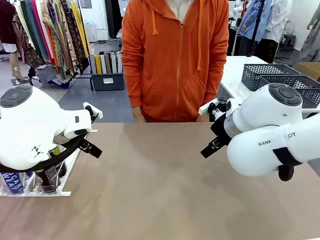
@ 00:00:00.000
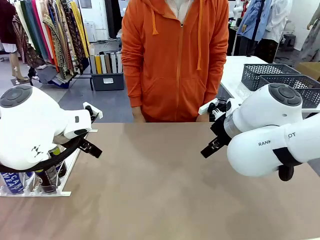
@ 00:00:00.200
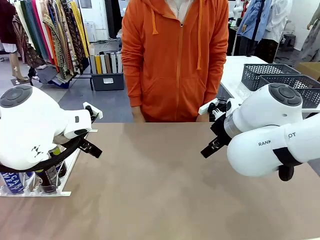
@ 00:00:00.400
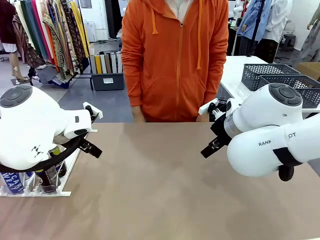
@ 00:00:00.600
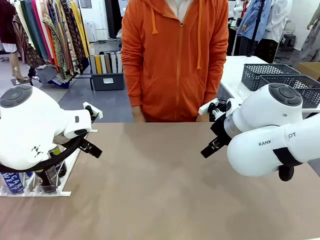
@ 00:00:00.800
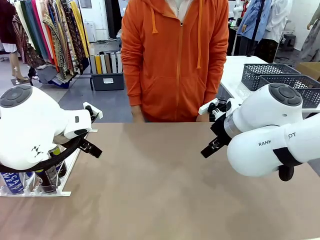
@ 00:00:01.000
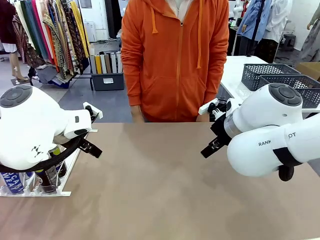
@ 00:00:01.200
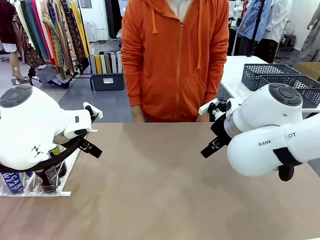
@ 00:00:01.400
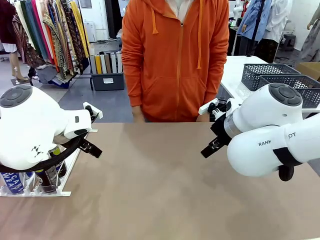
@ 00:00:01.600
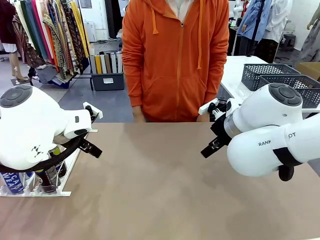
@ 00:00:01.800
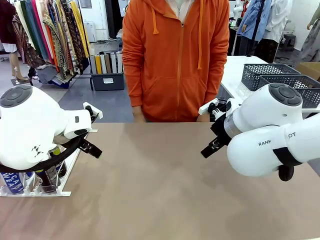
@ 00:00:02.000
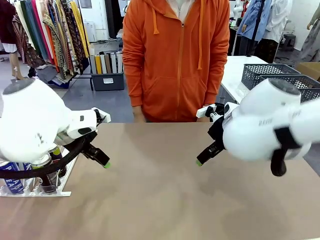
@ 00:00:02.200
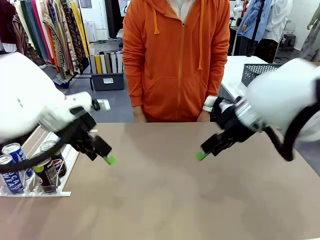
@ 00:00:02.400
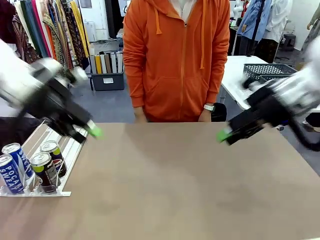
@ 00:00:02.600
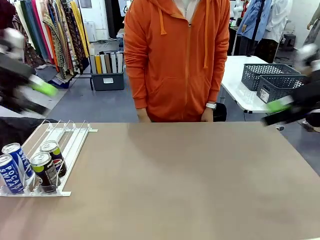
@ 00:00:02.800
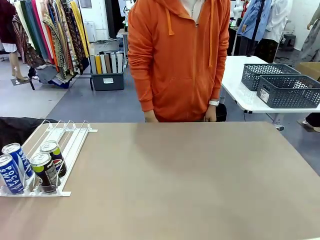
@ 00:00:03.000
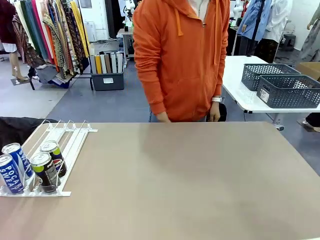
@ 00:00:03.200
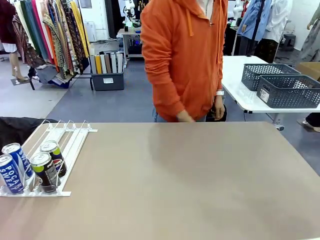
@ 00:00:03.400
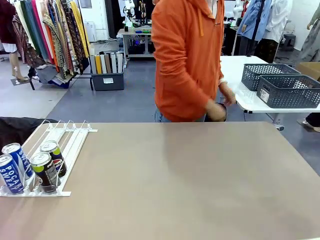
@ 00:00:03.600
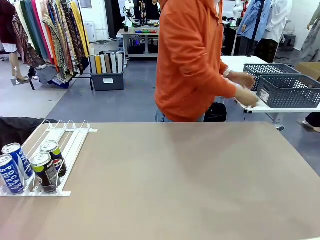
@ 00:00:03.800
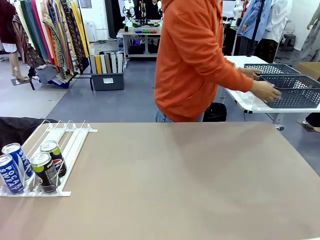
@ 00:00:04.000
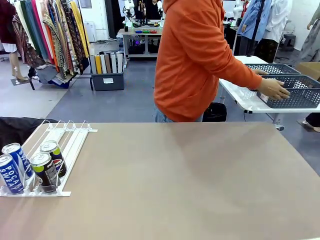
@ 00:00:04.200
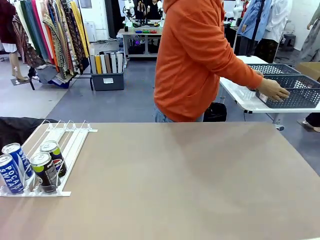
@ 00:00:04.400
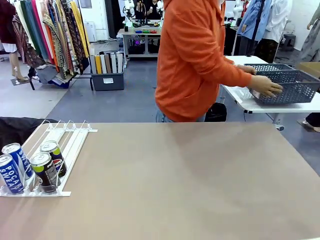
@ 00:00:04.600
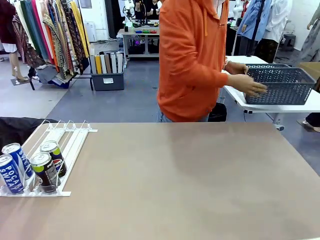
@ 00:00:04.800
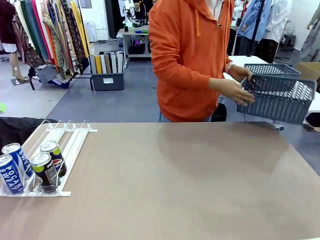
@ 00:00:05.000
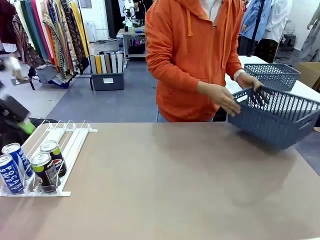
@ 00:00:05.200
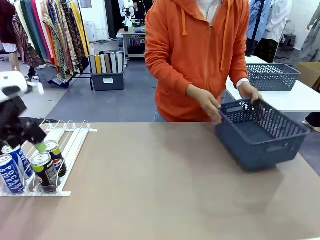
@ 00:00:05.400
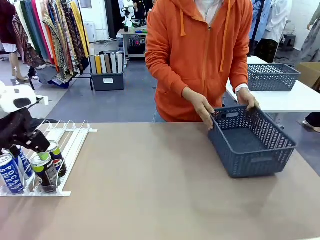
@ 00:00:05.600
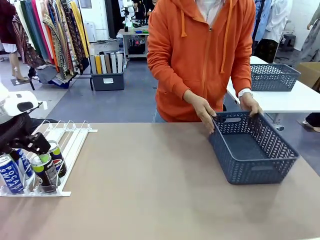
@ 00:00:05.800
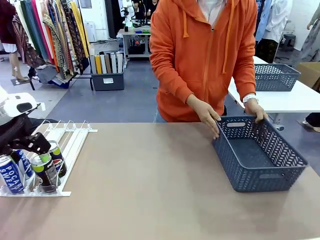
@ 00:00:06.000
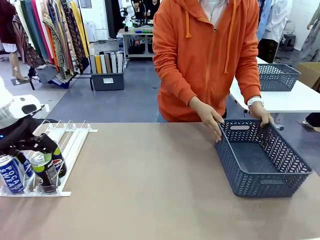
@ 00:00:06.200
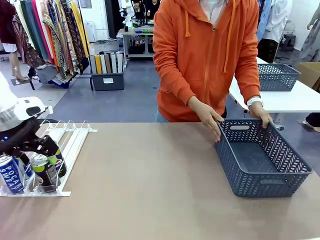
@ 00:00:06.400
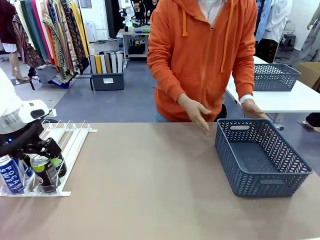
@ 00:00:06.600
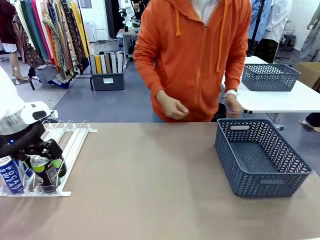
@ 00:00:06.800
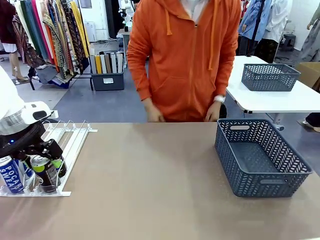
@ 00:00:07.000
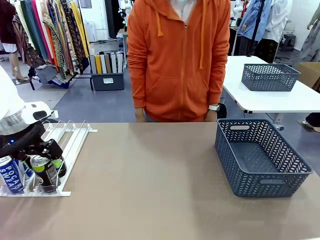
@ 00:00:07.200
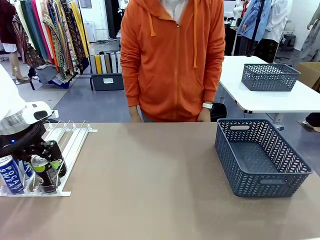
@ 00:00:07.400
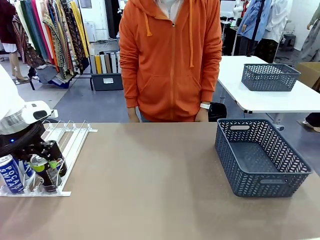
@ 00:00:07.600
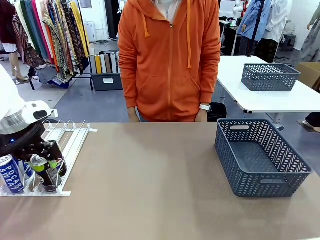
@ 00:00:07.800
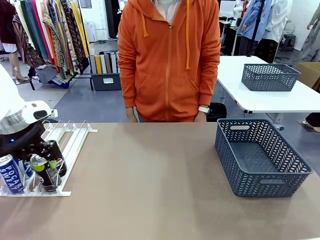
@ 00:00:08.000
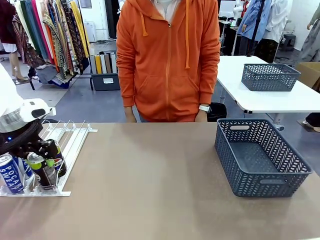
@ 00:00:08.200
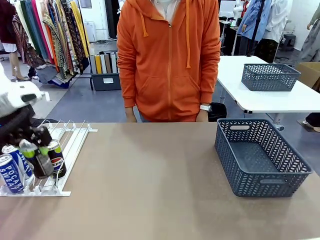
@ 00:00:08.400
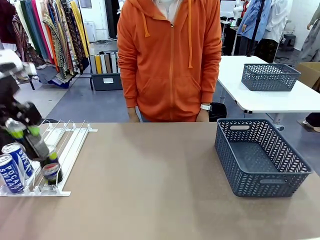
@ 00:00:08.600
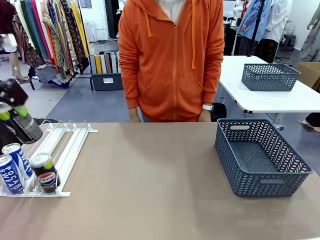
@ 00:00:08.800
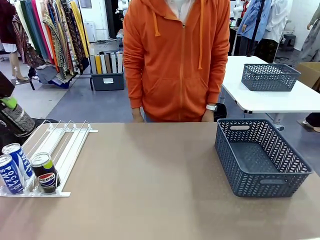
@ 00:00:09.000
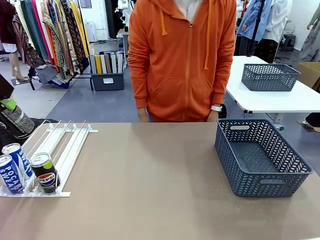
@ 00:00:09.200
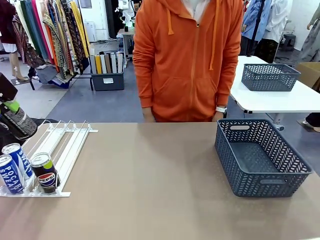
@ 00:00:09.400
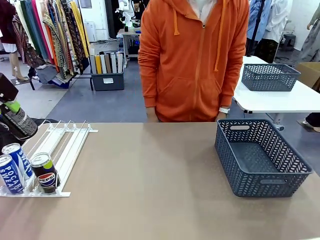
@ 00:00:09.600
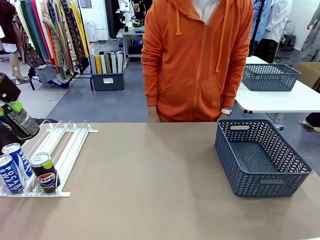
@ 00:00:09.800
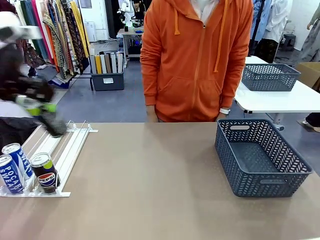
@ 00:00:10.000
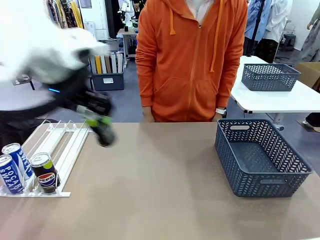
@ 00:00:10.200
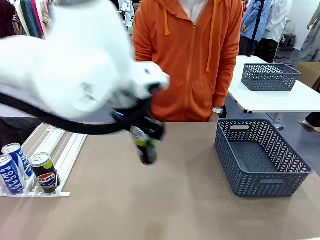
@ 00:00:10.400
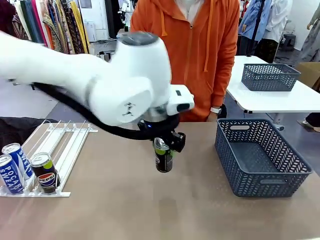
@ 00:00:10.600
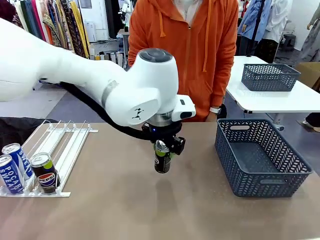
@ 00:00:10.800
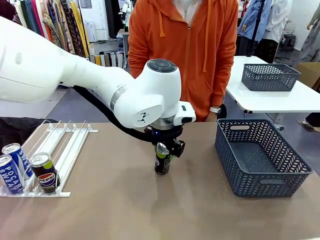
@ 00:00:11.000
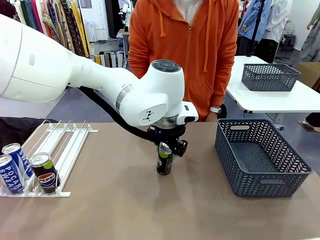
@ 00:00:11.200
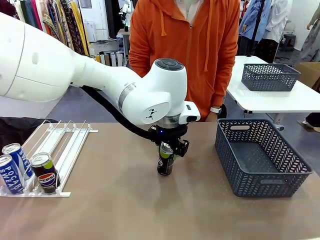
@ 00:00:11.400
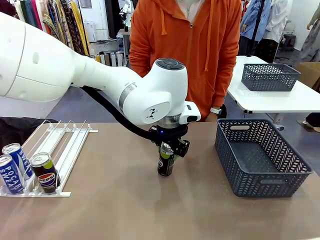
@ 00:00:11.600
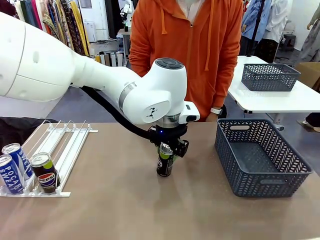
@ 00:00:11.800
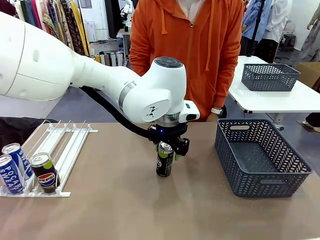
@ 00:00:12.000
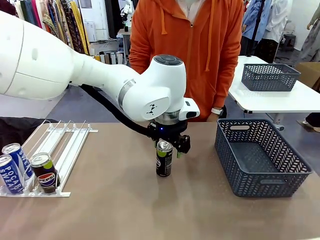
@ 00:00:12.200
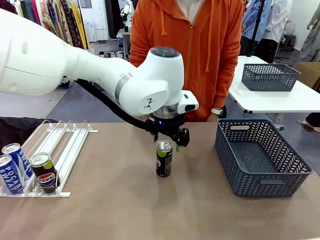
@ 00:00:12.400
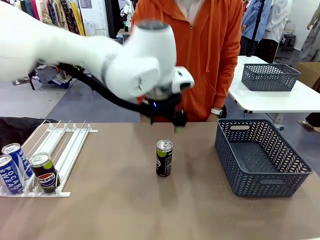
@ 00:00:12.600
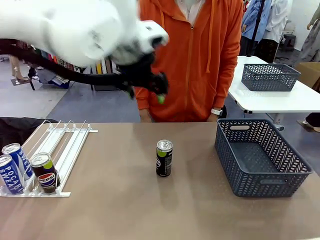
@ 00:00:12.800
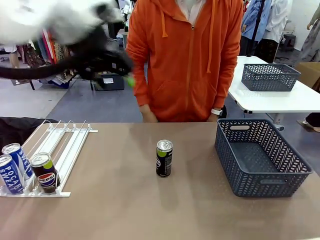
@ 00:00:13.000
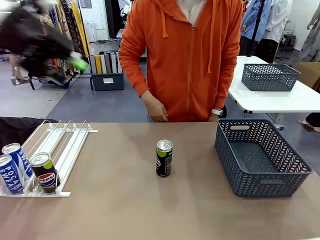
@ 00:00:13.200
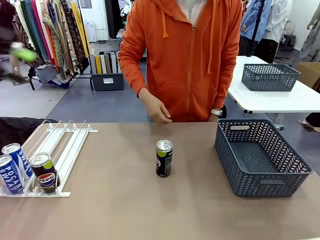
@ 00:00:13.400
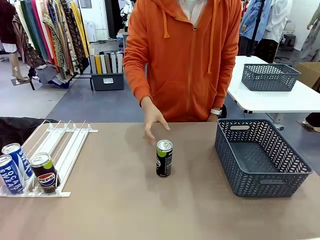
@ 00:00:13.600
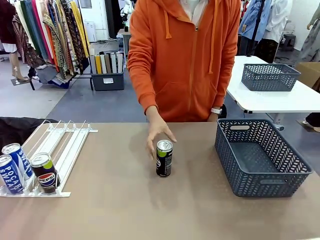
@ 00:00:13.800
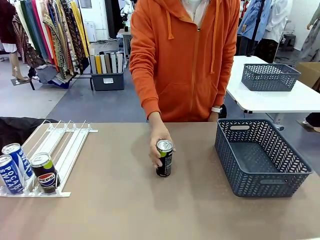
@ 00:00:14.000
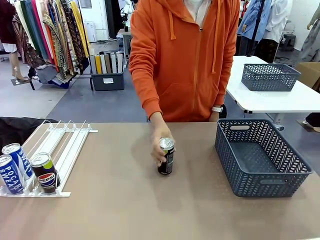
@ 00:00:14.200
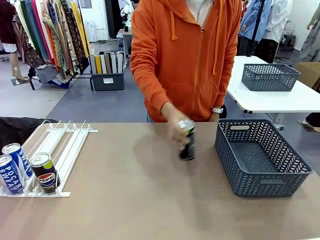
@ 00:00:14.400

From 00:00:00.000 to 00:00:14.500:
Task: Retrieve and store the cans from the dispenser.
Robot: Pick up one can from the Automatic Can Dispenser and place it in the middle of the table.
Person: Pick up the basket and place it on the left side of the robot table.

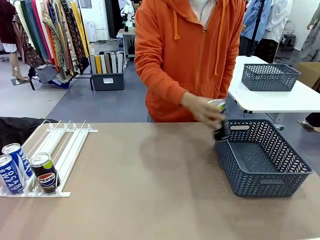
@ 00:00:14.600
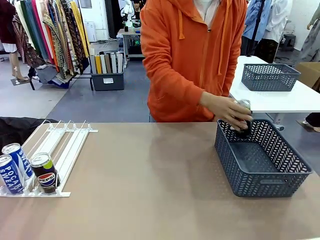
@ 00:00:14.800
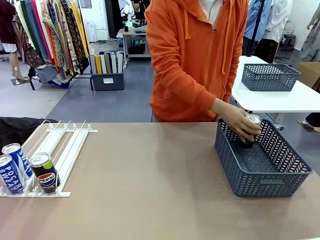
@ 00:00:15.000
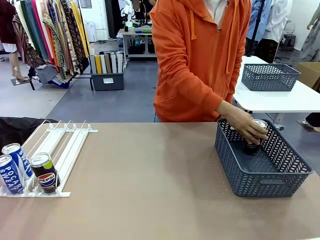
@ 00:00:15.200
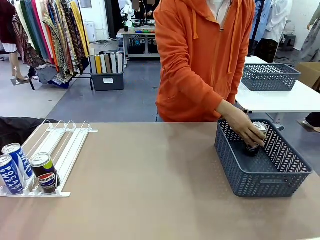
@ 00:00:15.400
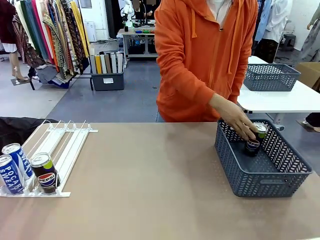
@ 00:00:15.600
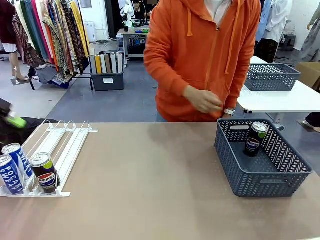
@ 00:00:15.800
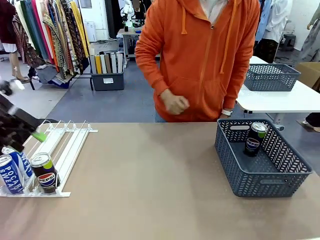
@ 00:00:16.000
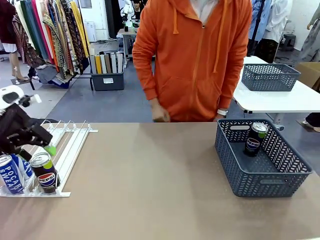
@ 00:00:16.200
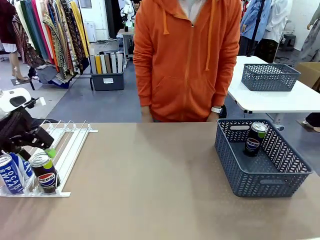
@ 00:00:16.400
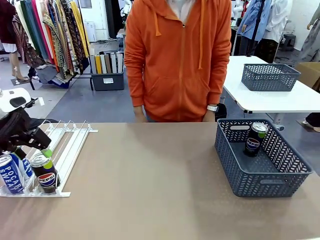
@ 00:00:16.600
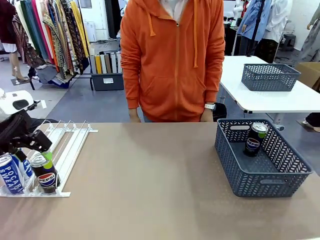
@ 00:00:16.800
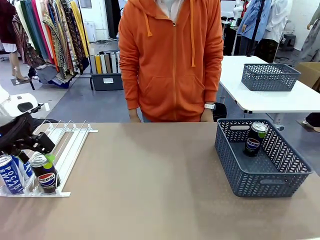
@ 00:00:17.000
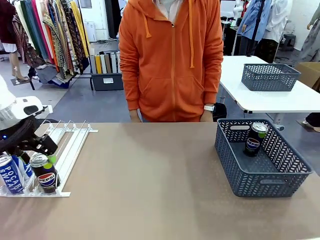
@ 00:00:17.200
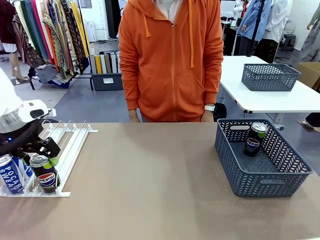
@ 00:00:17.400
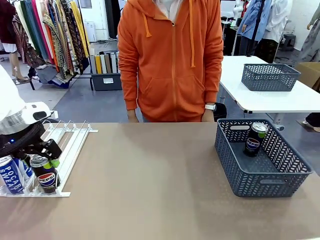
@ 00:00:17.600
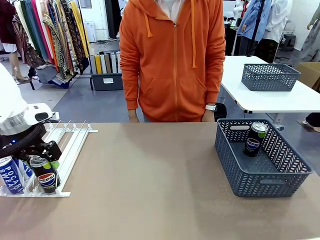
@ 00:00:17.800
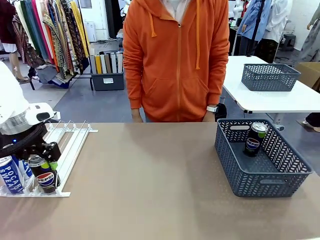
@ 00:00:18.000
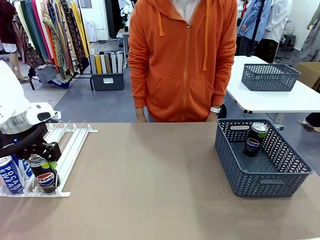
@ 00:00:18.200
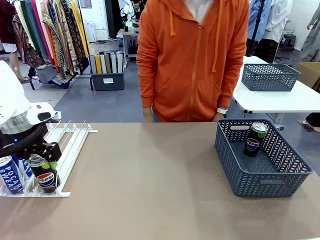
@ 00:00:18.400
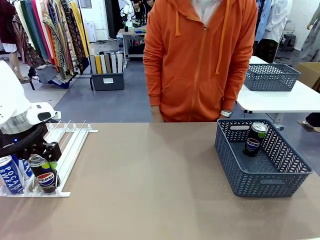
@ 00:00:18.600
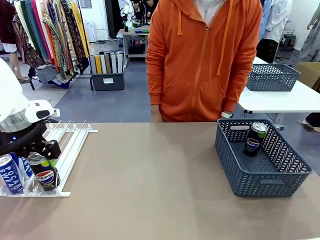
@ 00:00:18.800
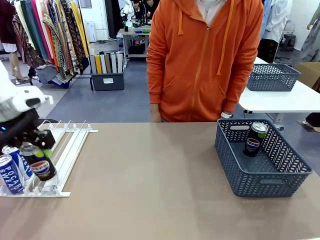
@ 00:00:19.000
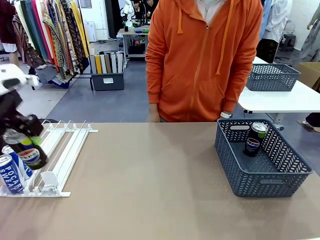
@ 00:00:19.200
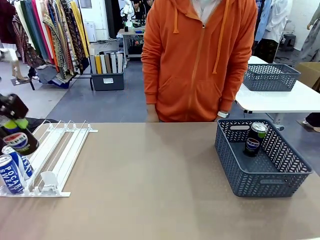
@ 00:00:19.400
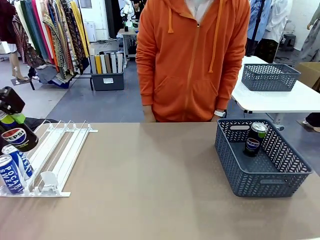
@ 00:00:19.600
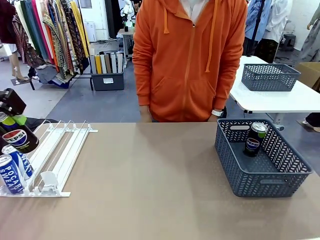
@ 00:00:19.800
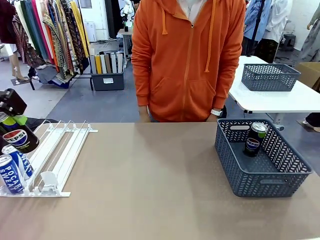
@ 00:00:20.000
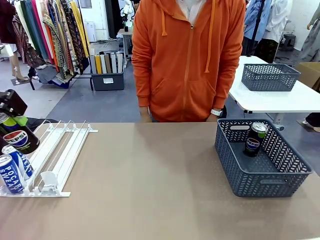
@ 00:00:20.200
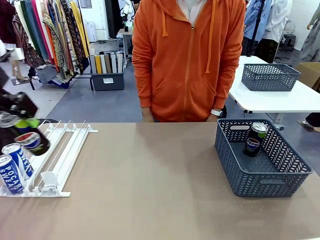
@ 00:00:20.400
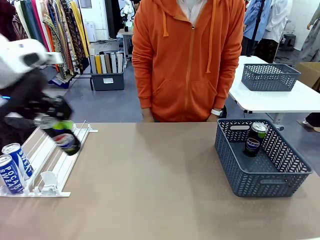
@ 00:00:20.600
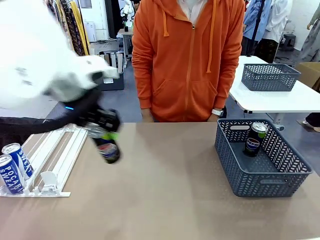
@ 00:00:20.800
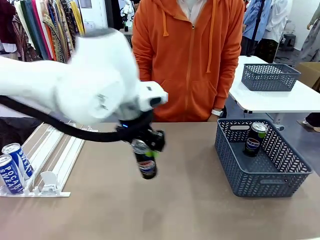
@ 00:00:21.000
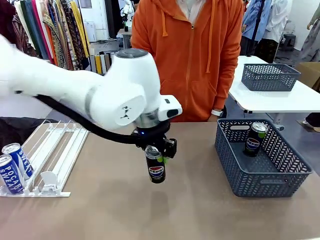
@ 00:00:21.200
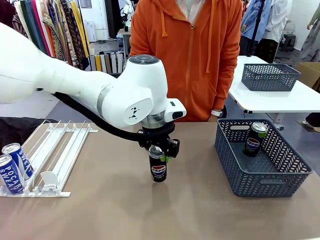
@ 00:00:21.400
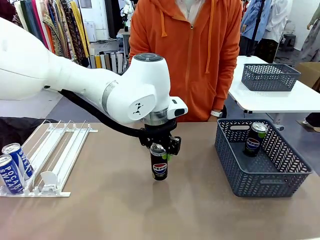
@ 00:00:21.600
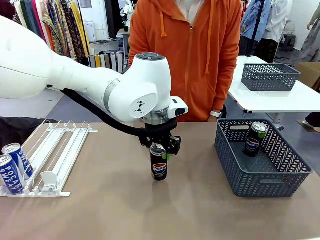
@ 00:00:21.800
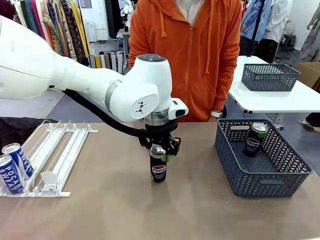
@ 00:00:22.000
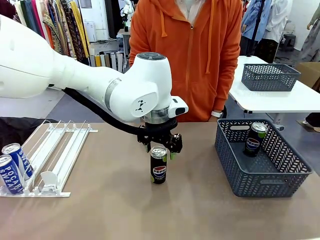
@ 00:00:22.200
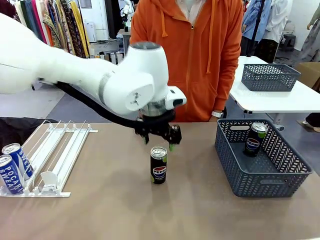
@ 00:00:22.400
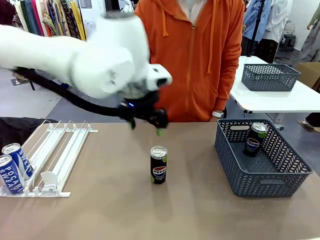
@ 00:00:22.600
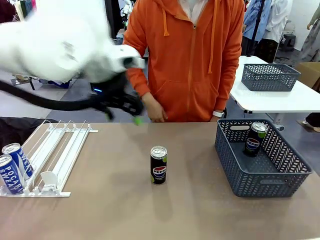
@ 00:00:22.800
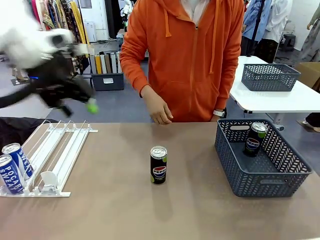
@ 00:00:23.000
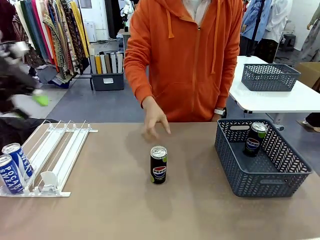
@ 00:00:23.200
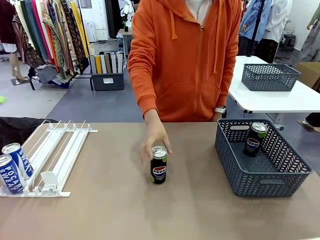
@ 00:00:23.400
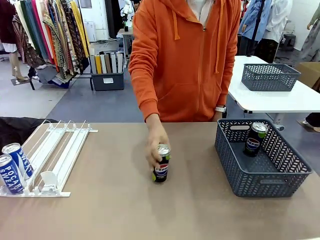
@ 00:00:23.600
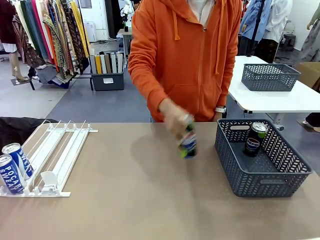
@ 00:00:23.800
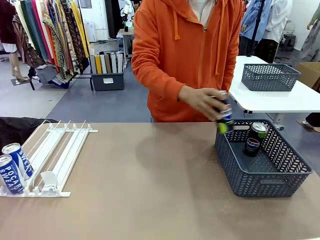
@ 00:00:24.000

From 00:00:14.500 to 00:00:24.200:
Robot: Pick up the last remaining can from one row of the Automatic Can Dispenser and place it in the middle of the table.
Person: Pick up one Pepsi can from the middle of the robot table and place it in the basket.
